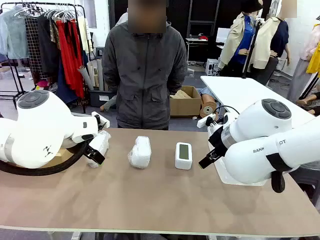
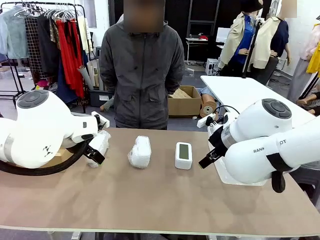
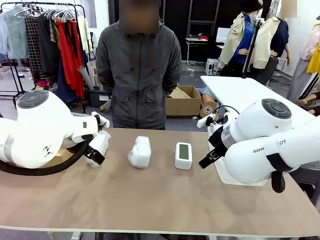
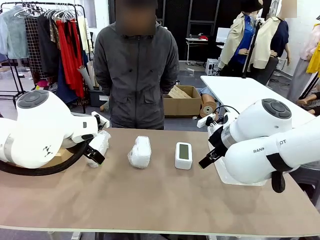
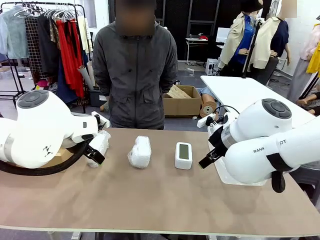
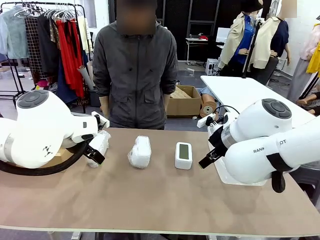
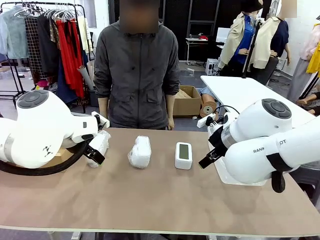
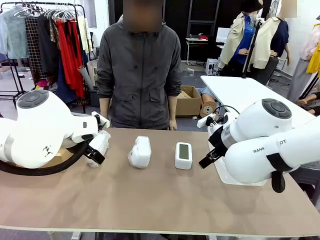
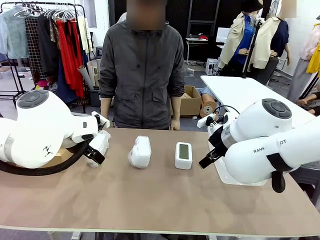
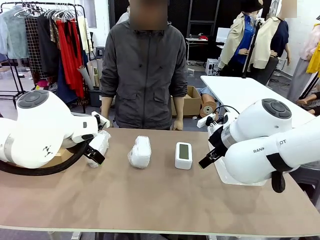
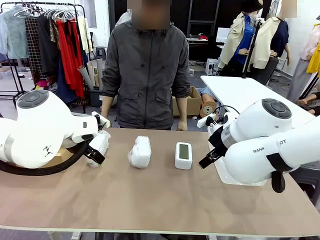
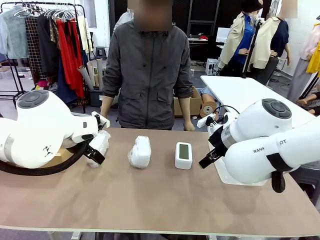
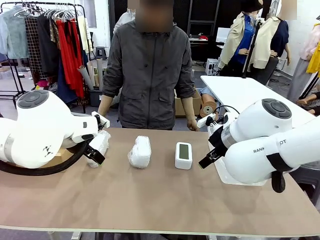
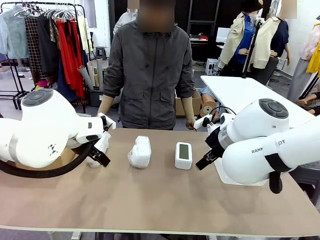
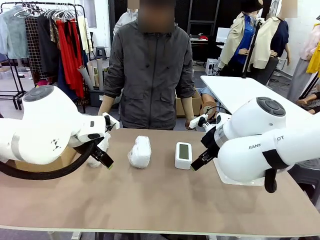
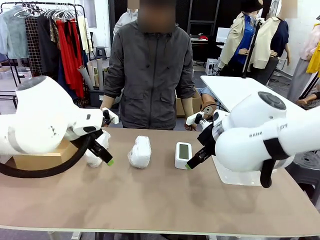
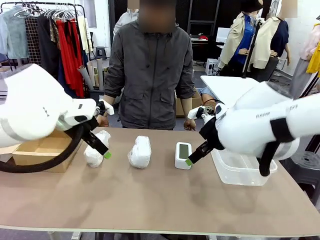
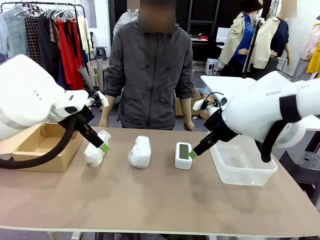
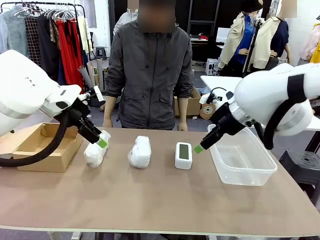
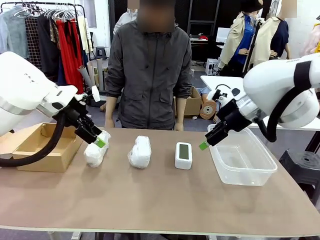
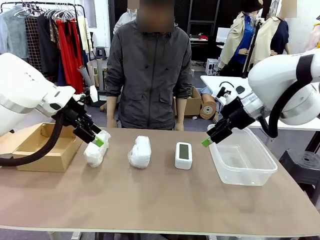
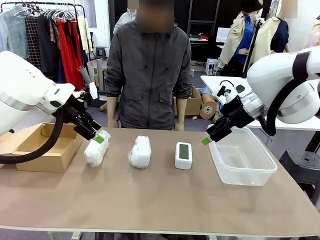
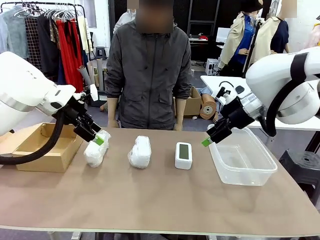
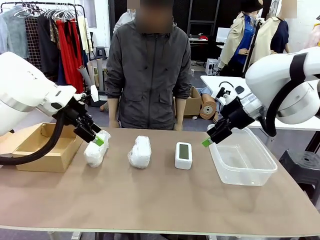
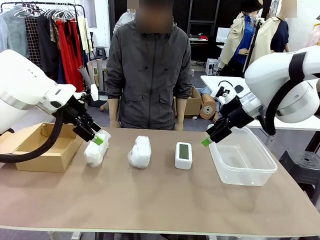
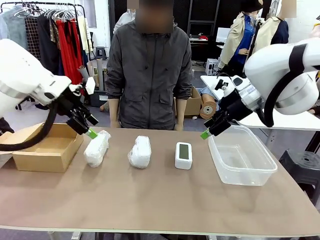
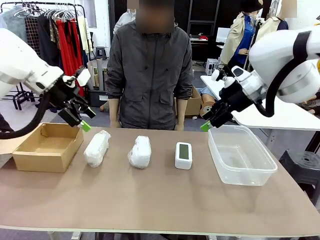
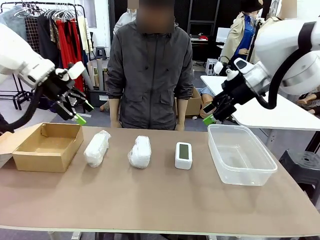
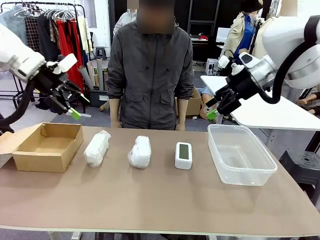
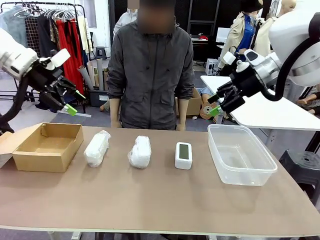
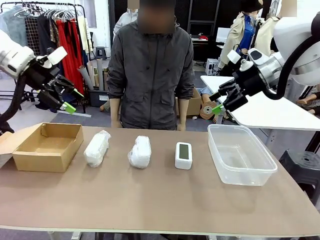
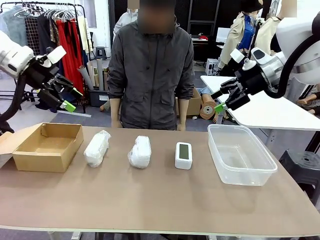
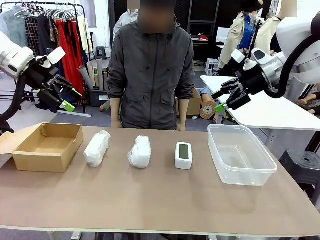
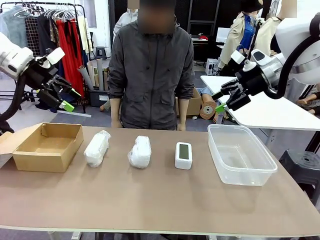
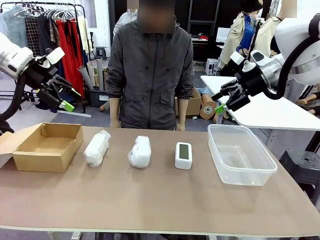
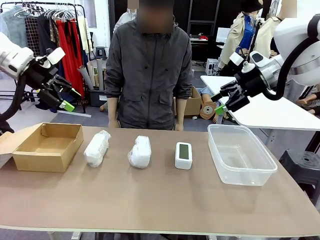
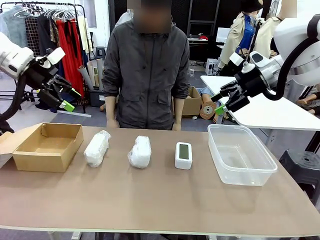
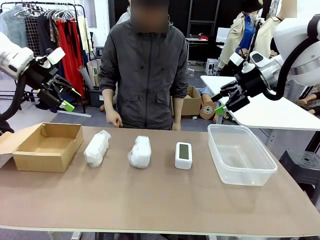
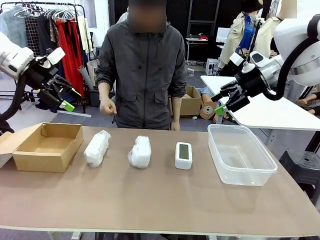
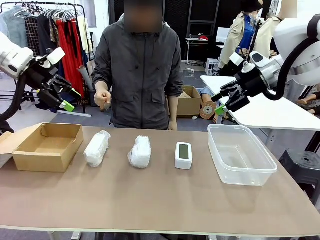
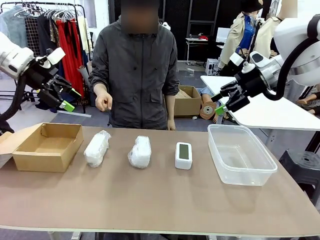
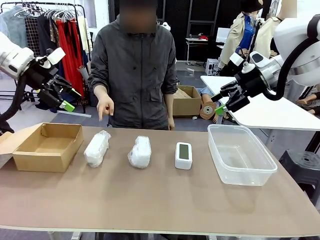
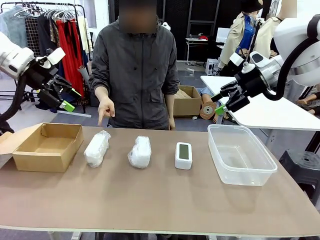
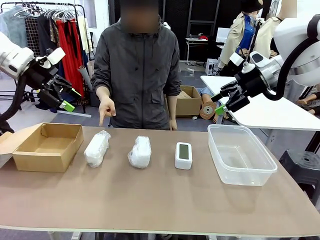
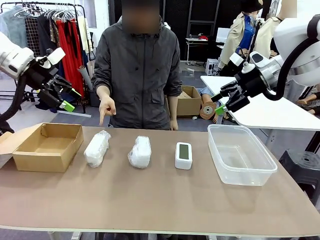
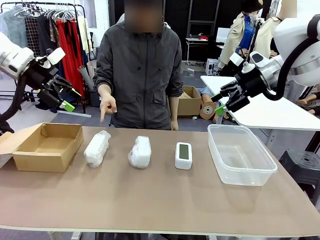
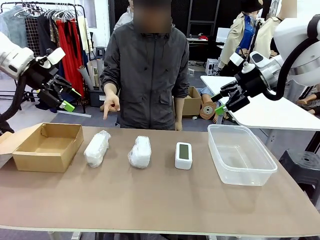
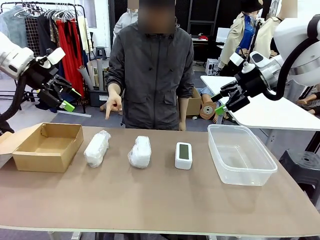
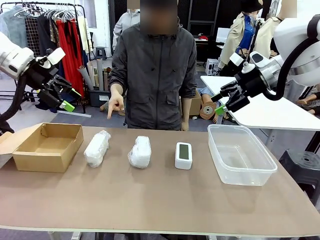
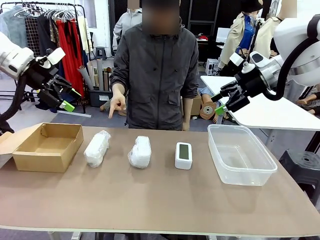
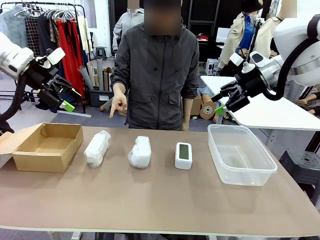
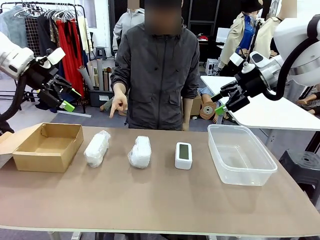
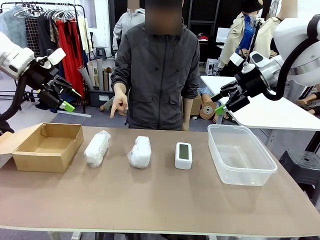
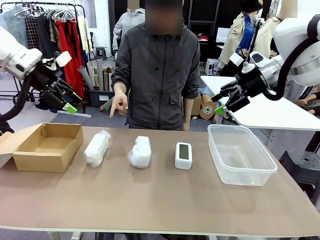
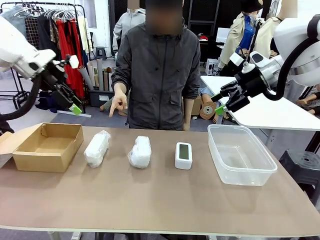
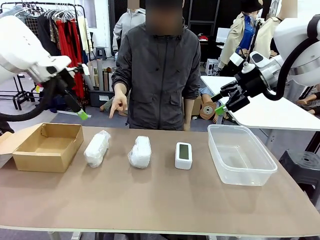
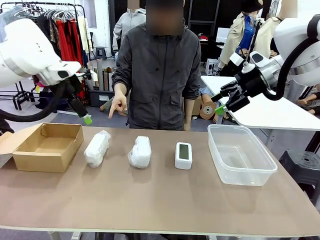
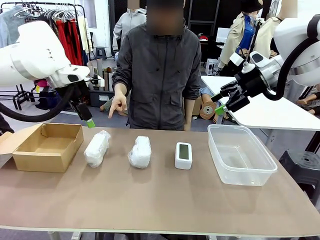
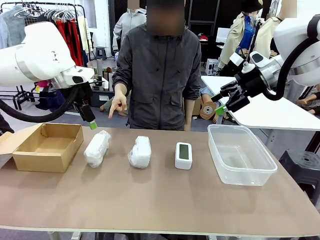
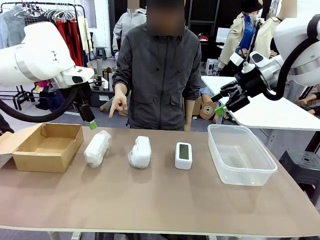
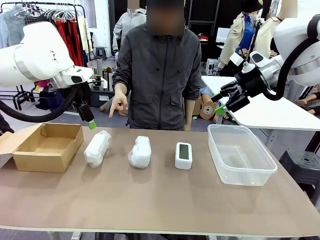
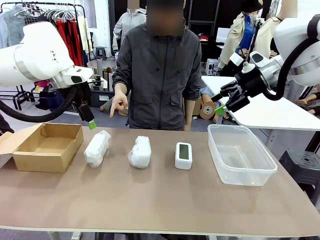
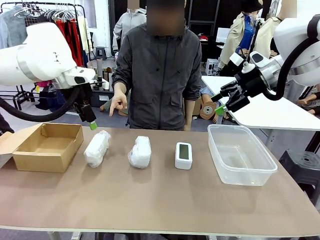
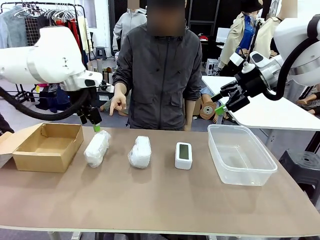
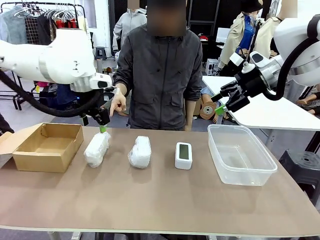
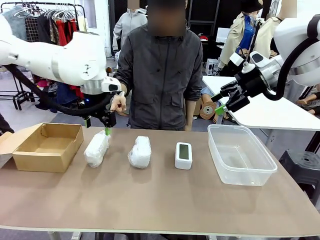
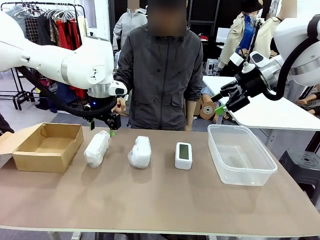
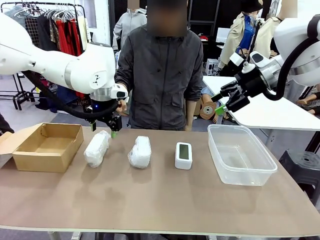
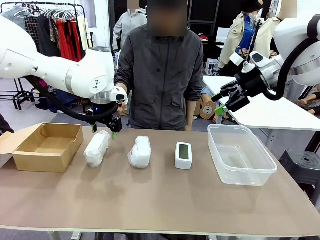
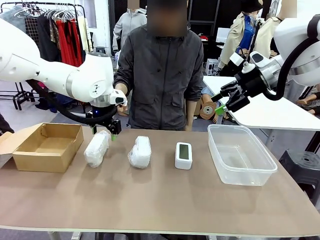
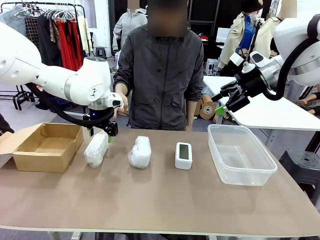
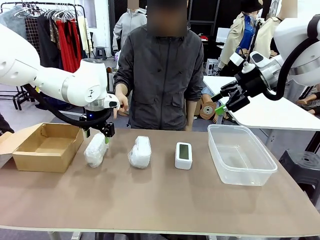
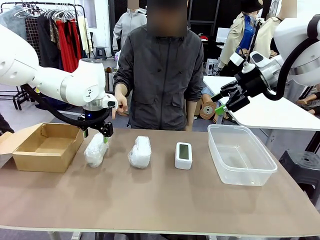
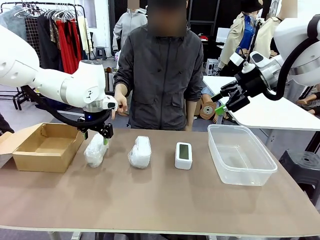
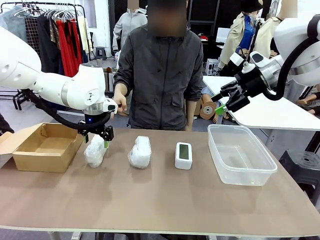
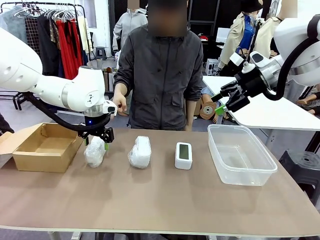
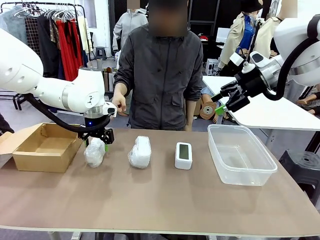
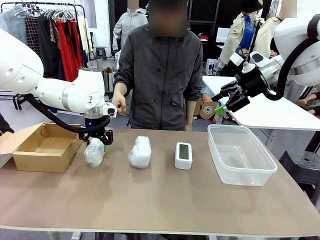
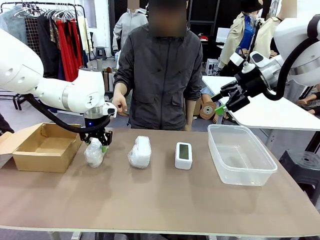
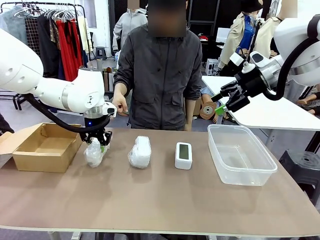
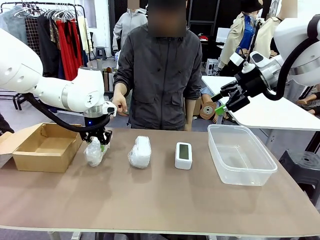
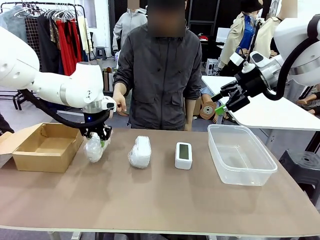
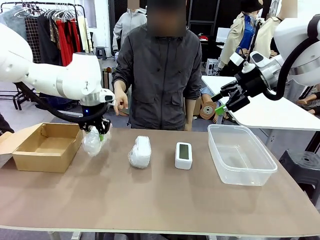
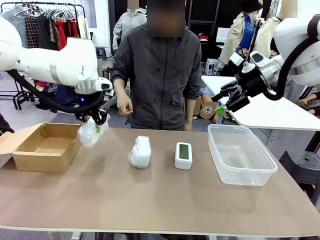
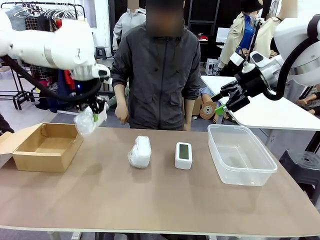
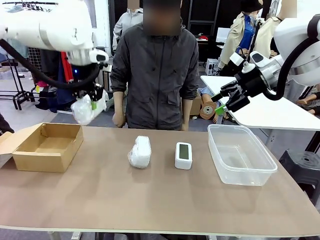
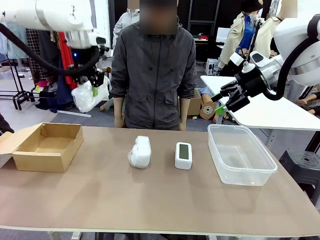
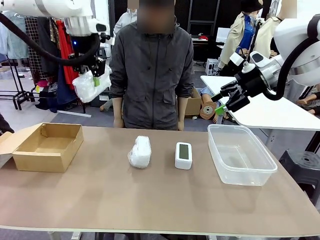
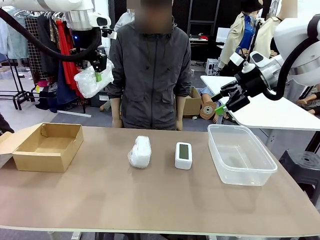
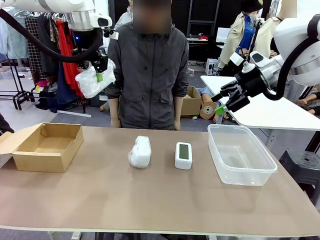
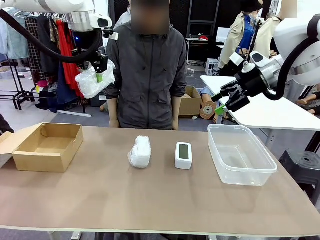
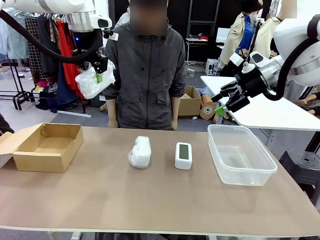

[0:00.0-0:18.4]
Task: Separate and place wrapped and unwrapped clocks.
Robot: Pick up the Digital clock indicated by the person.
